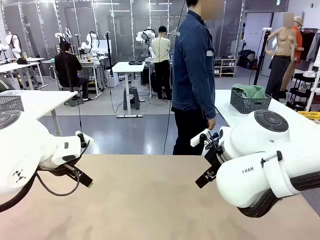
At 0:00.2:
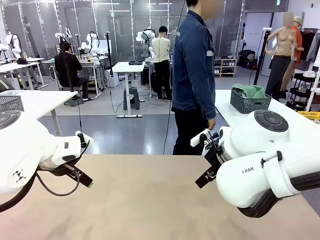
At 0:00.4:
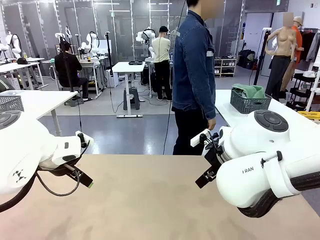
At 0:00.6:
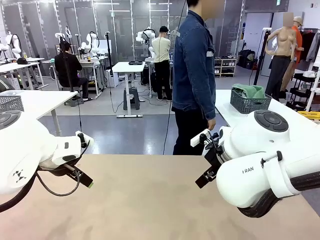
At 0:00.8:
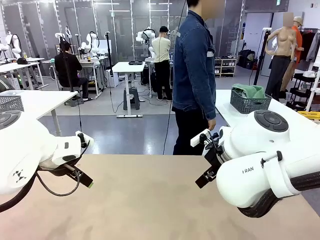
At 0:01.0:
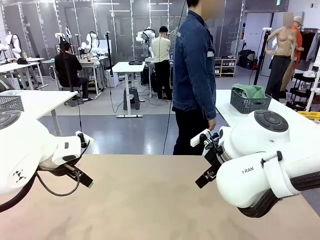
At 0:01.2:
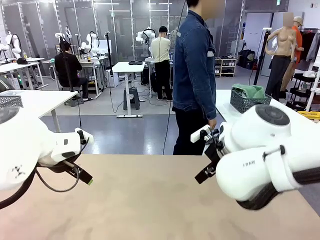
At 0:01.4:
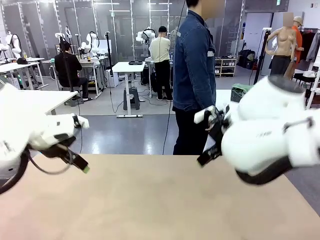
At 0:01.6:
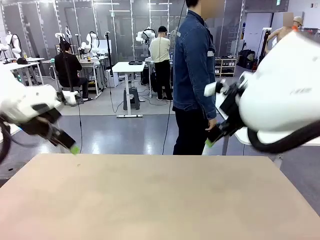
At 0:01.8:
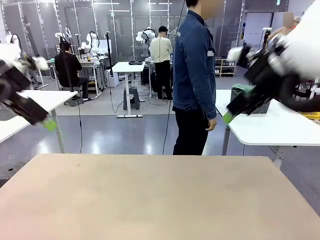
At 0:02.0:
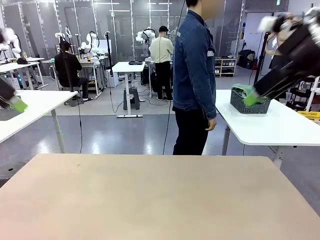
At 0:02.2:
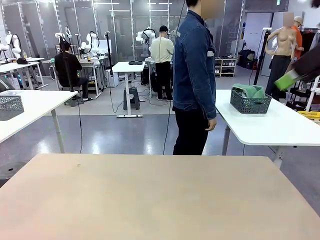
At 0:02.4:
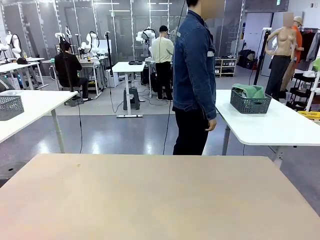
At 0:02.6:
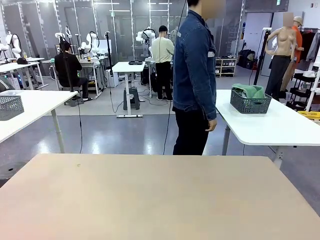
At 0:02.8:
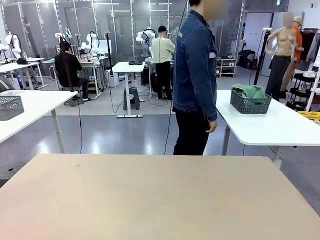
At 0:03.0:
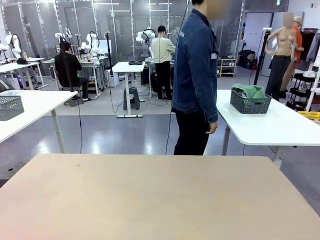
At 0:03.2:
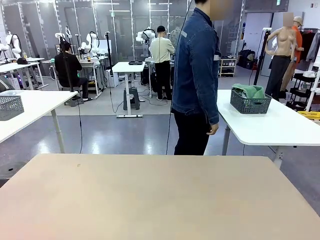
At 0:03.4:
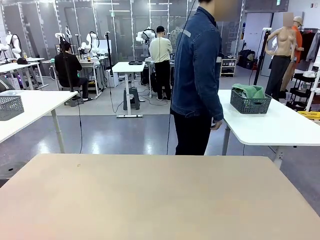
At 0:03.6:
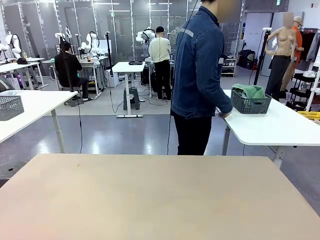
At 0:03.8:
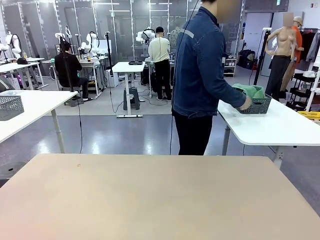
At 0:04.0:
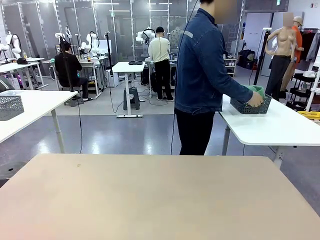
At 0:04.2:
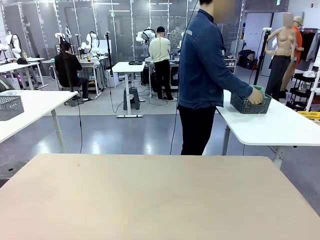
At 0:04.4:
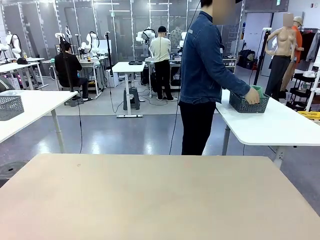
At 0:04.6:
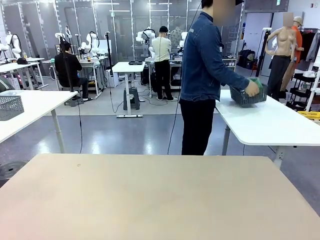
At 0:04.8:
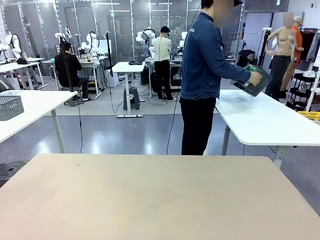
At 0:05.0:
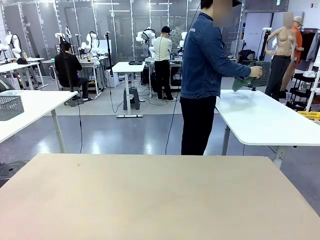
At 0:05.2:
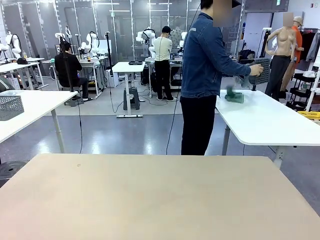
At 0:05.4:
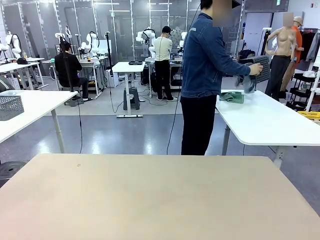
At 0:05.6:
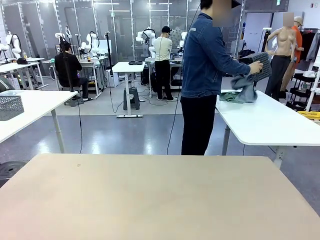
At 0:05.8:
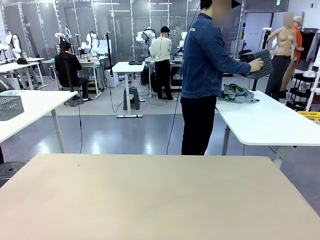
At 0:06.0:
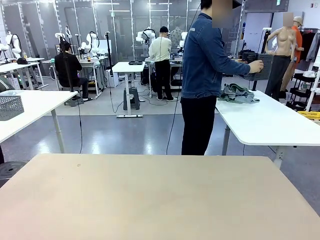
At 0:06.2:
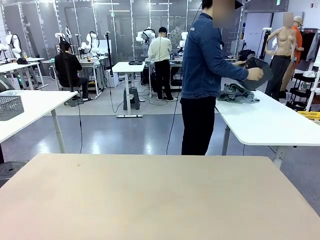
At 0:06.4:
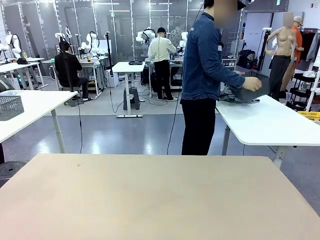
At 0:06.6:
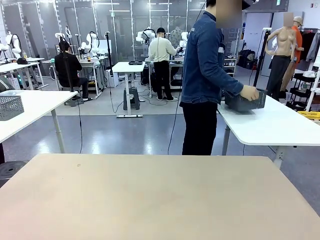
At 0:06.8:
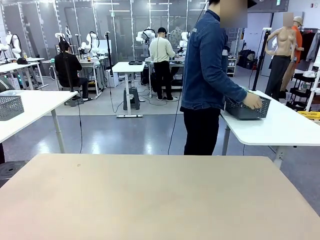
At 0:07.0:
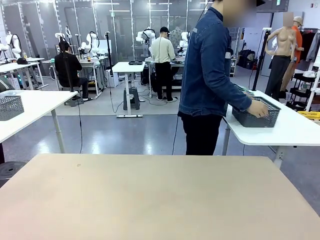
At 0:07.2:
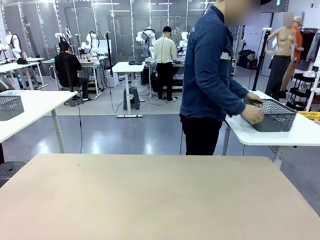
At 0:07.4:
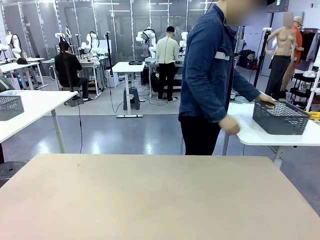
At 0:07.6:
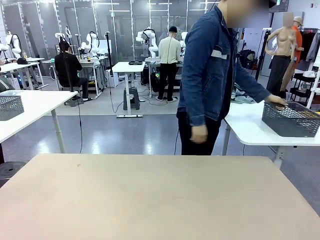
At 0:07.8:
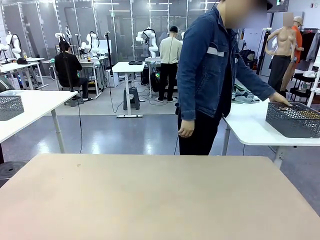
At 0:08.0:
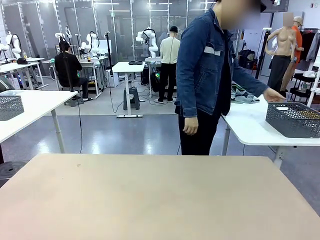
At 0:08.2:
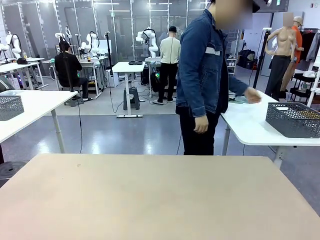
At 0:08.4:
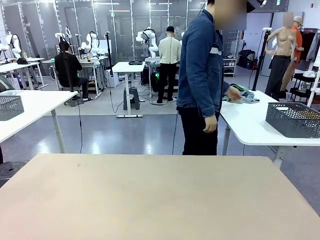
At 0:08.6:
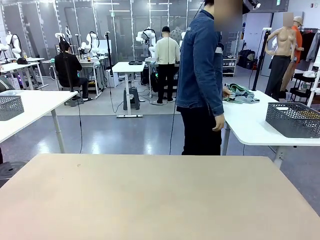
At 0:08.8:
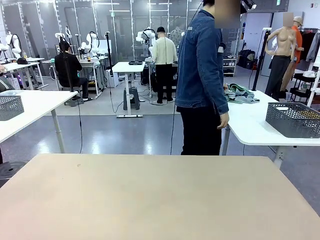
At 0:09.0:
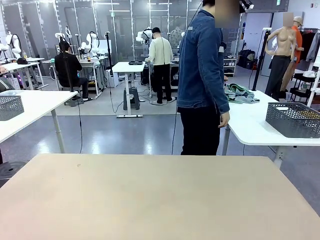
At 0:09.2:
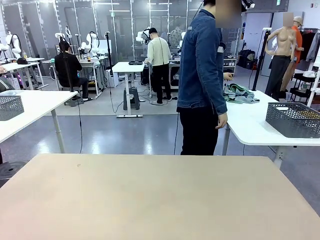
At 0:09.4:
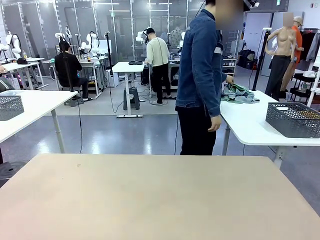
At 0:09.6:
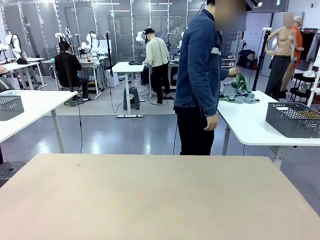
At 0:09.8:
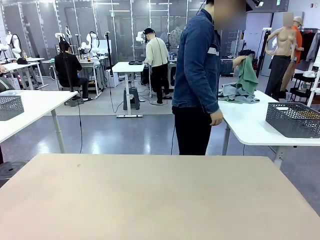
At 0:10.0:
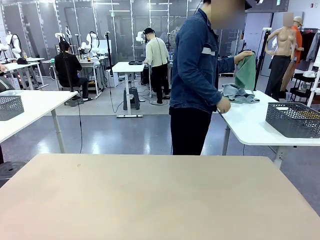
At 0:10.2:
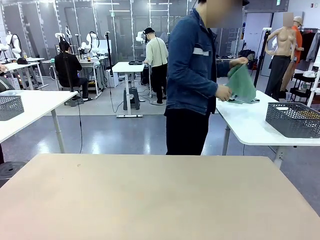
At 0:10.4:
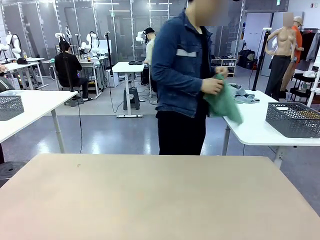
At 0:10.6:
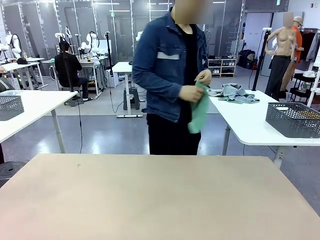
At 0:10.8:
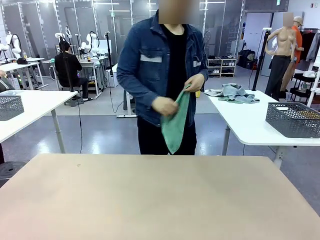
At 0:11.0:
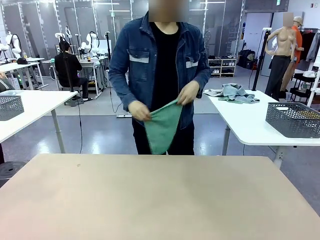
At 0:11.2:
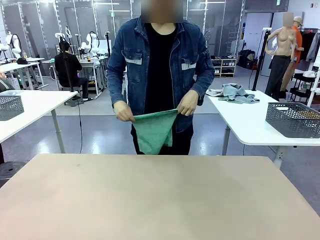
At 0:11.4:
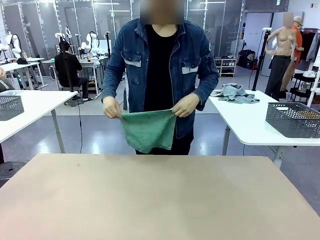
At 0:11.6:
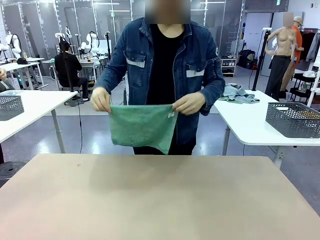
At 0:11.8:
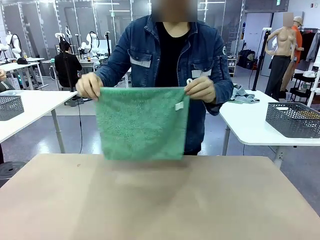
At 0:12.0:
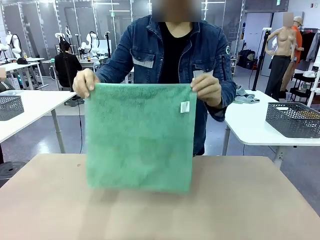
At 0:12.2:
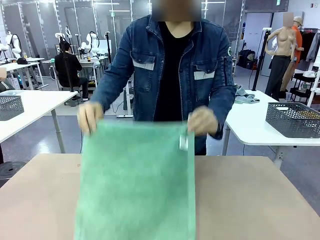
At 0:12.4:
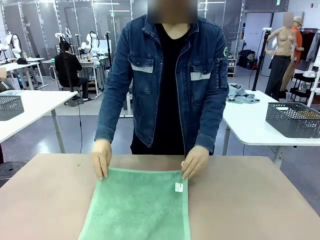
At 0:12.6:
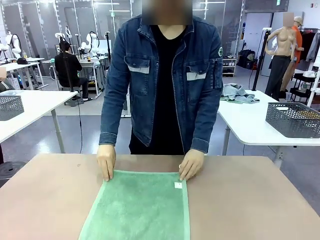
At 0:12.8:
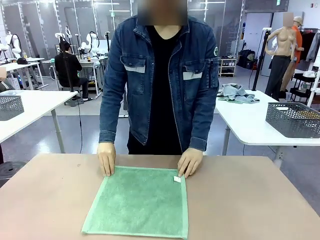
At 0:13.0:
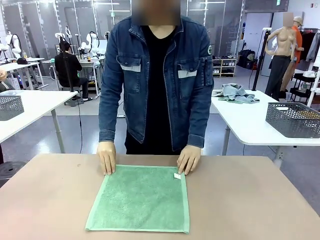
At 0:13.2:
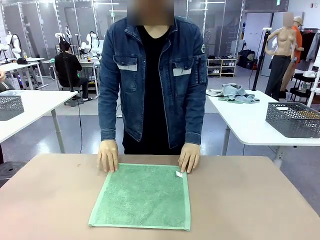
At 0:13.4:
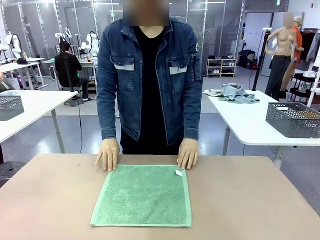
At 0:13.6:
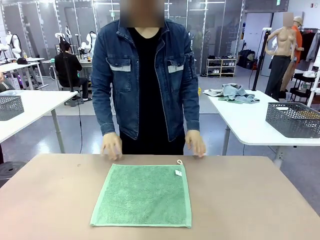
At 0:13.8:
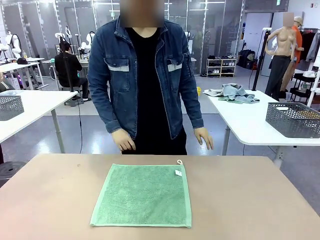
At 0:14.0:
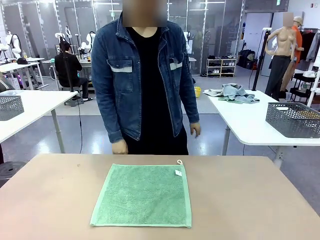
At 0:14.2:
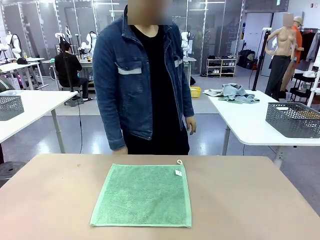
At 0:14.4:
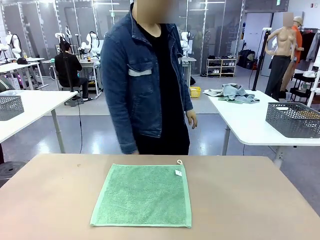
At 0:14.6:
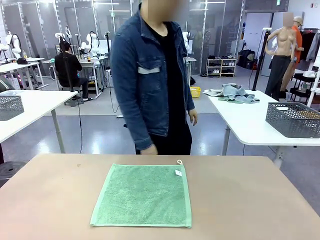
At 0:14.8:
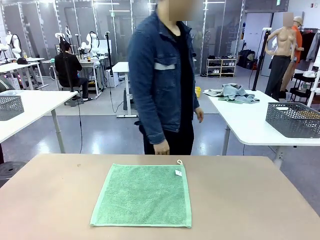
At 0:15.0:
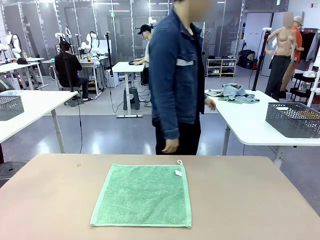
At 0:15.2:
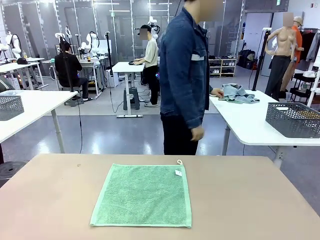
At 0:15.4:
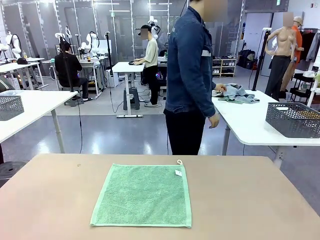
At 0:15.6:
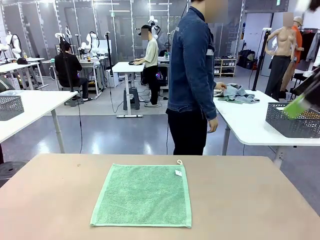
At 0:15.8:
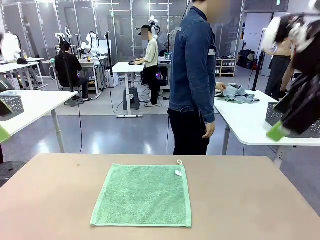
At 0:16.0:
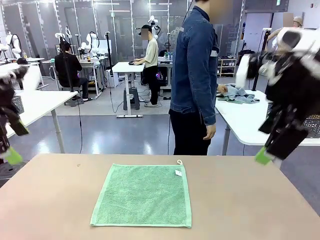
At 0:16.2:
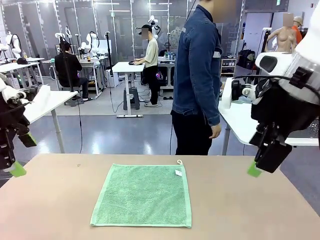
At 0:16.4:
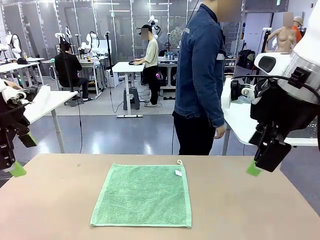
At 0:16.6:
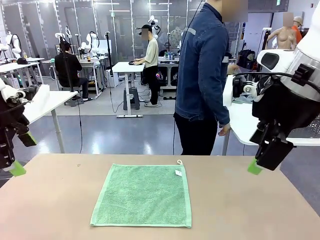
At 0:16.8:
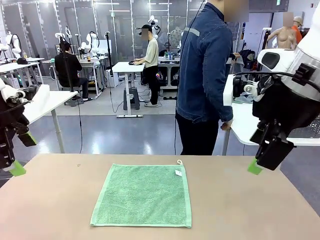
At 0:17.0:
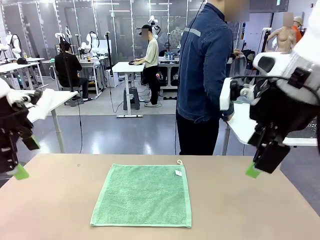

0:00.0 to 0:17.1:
Task: Fold the towels and place them in the basket.
Robot: When a person lays out a Towel with hook on the table, fold it in half twice.
Person: Pick up the basket, pour the towels onto the left side of the human table, and place the basket on the right side. Pick up one towel and spread it out at the center of the robot table.
